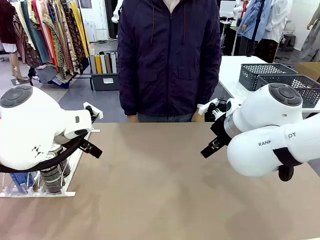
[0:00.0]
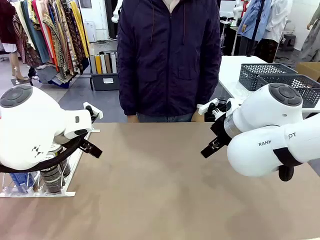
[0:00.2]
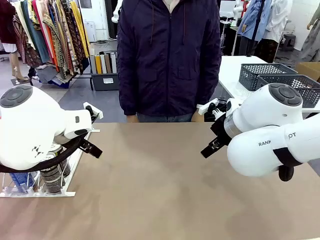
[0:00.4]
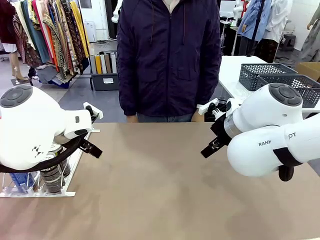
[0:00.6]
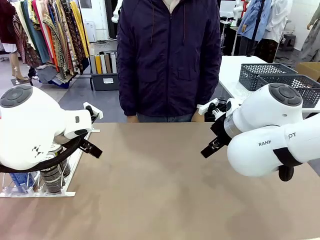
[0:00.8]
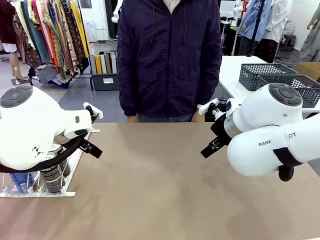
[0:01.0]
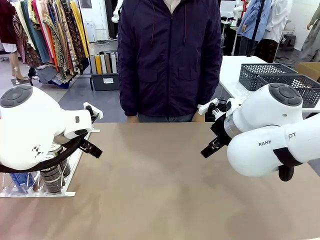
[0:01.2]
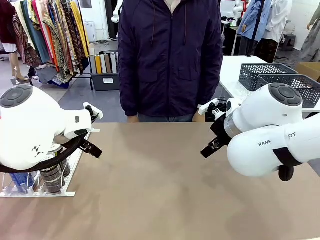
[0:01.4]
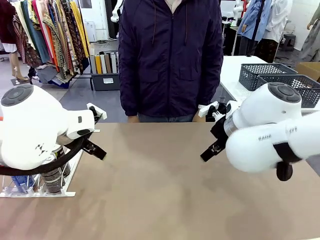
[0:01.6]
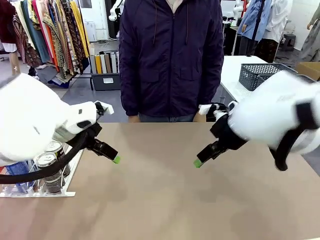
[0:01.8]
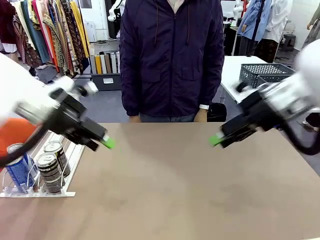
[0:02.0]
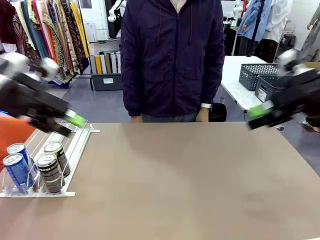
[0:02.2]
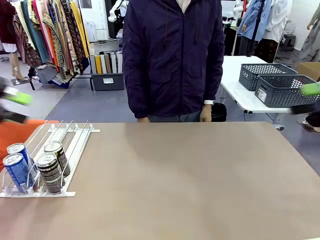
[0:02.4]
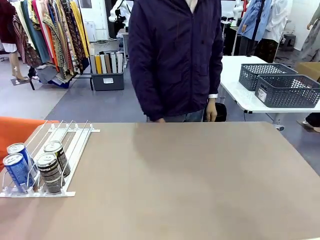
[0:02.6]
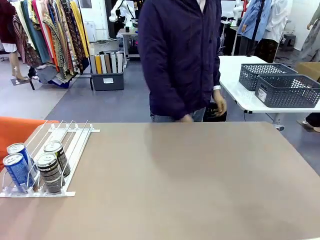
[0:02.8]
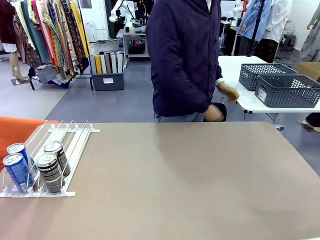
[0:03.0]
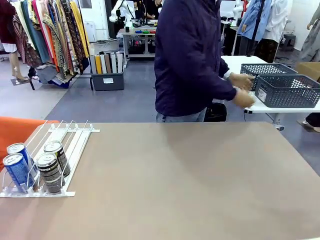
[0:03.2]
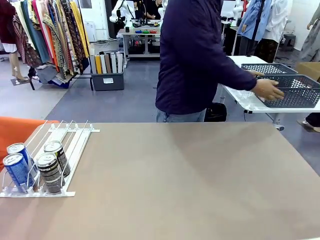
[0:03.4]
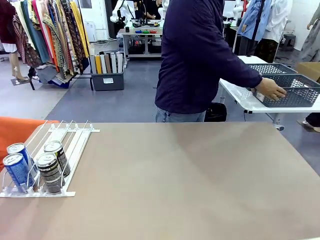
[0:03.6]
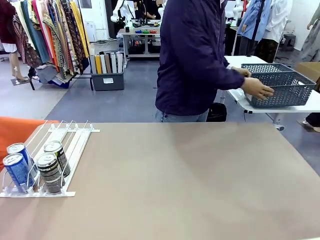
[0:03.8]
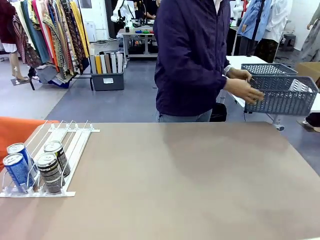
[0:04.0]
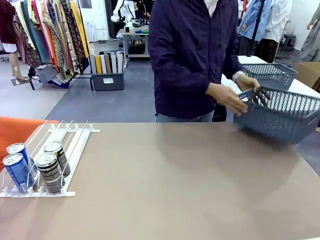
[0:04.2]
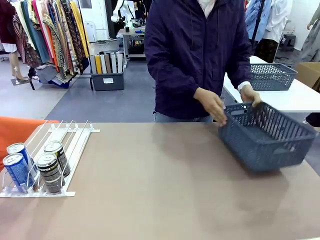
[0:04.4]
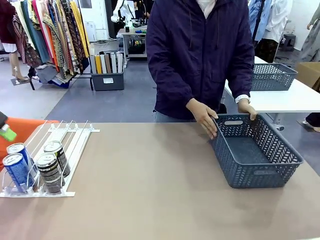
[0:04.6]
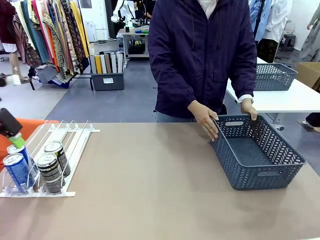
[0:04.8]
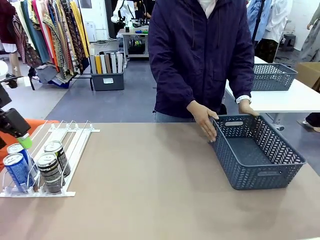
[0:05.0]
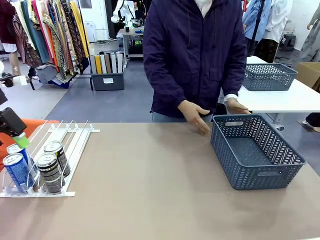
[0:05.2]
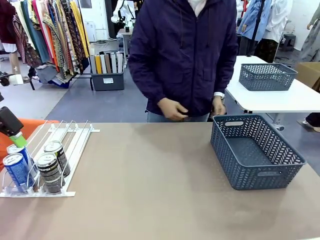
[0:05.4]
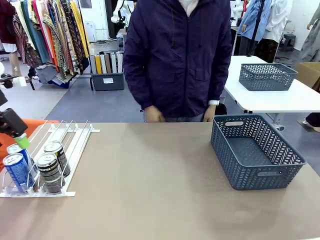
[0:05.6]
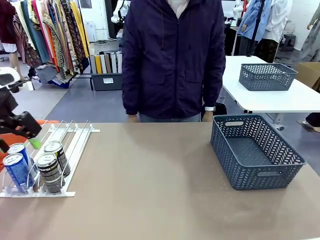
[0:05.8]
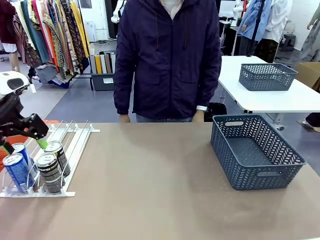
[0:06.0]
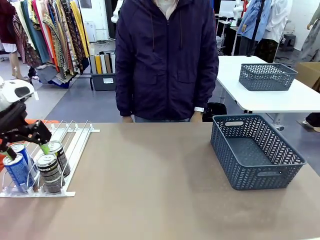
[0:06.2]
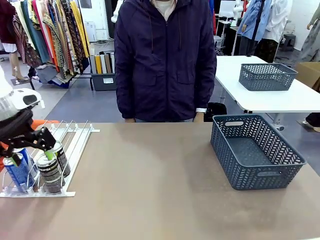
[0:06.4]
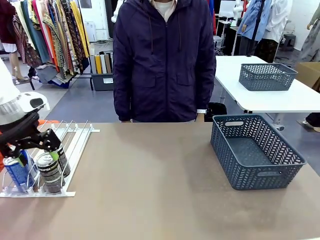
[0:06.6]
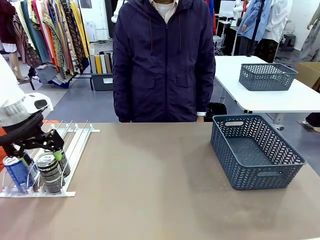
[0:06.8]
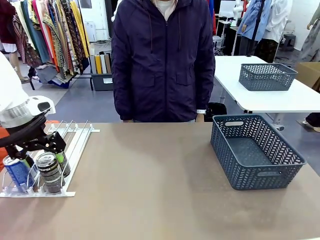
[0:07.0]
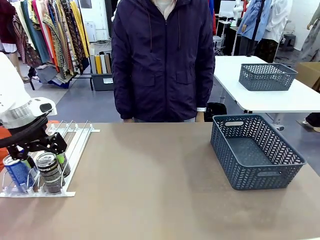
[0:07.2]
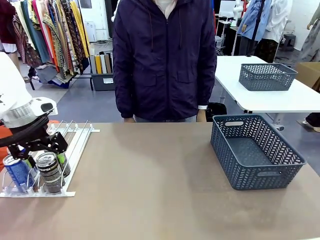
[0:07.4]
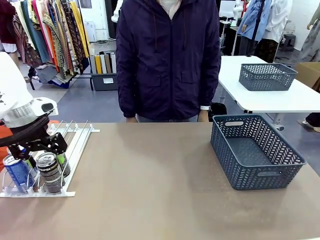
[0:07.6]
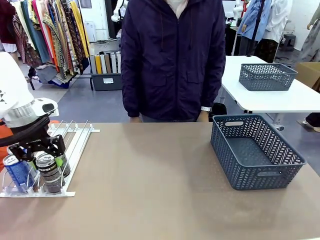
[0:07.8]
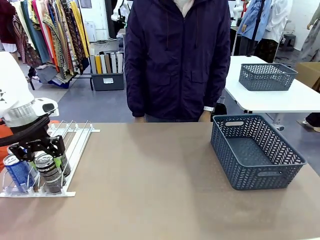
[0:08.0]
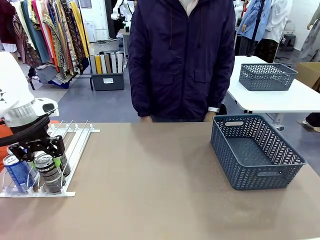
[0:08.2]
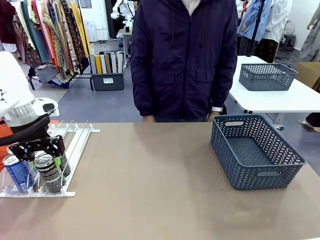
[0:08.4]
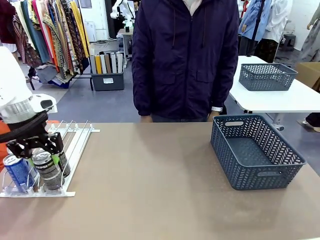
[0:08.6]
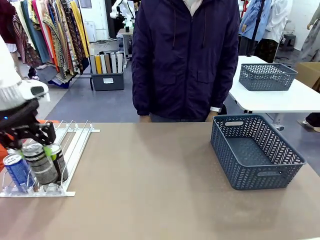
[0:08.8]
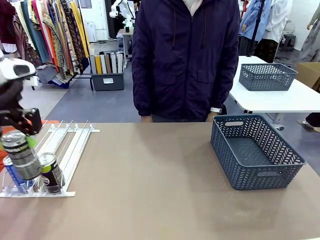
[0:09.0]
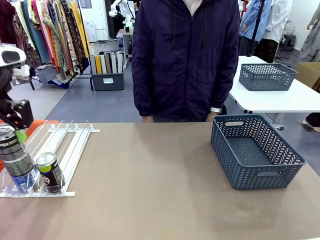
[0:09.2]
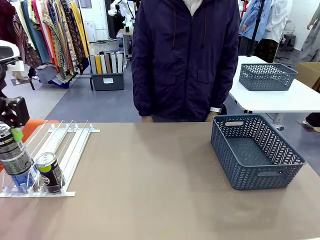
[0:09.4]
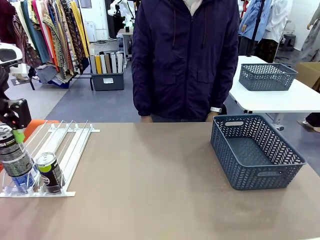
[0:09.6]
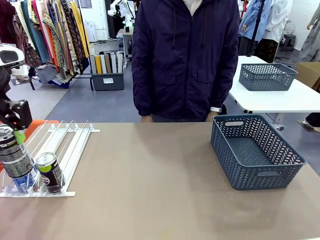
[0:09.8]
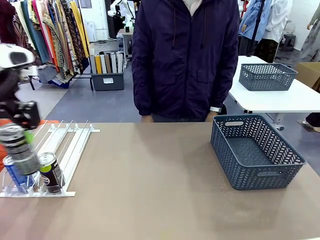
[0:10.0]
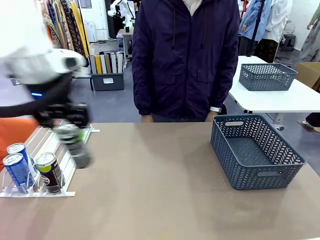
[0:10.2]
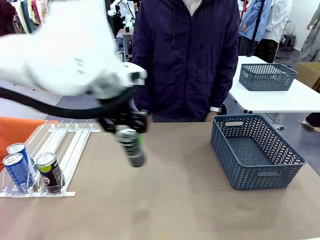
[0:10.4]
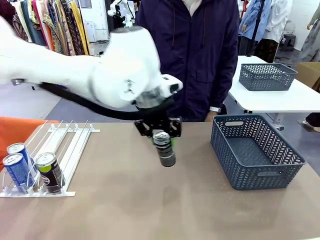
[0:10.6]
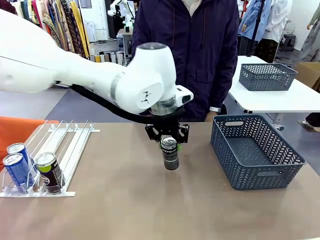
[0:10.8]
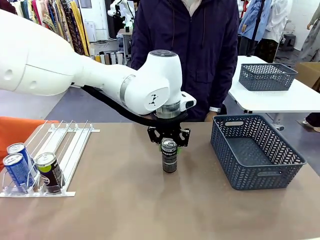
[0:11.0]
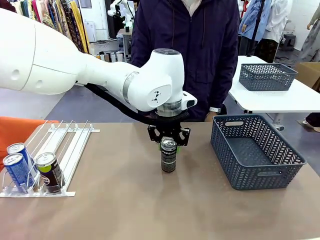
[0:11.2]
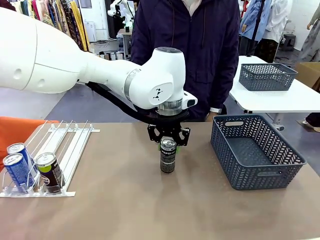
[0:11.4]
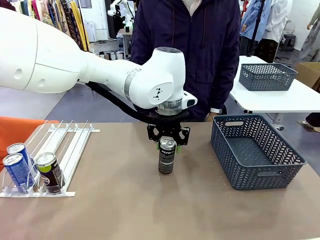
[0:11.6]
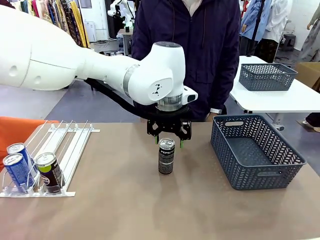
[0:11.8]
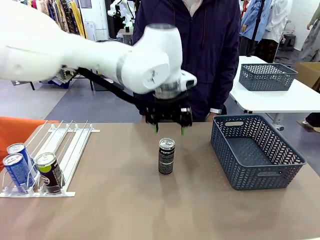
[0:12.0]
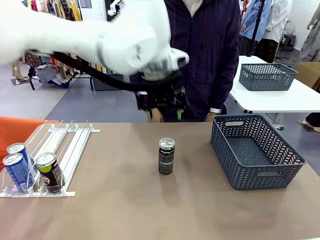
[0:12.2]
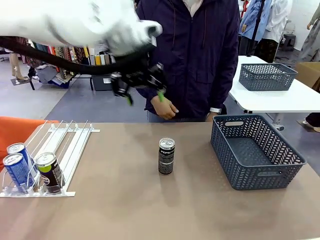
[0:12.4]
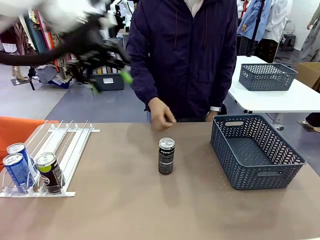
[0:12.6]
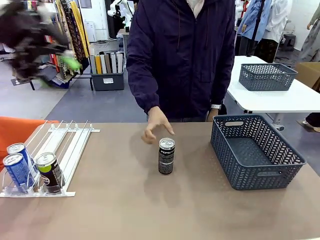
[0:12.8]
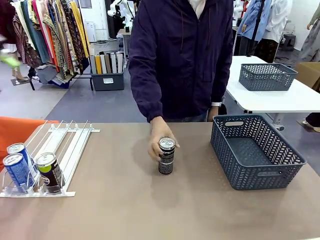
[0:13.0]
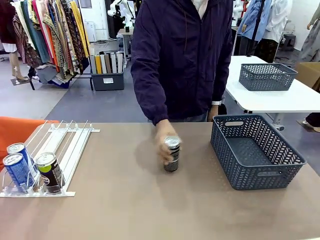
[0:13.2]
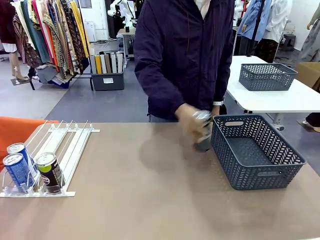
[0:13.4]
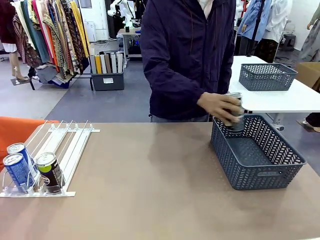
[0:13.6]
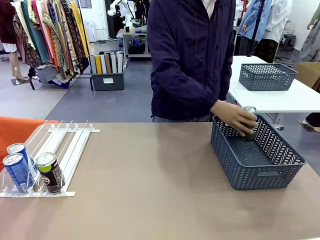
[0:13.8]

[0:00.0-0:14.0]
Task: Retrieve and store the cans from the dispenser.
Robot: Pick up one can from the Automatic Can Dispenser and place it in the middle of the table.
Person: Pick up the basket and place it on the left side of the robot table.

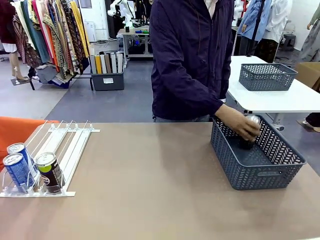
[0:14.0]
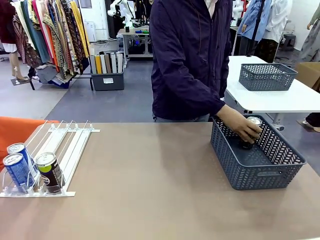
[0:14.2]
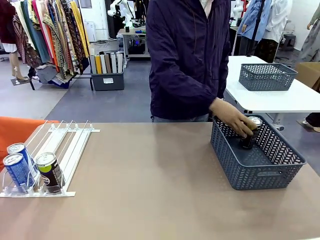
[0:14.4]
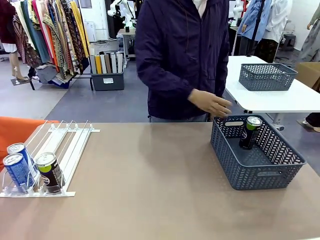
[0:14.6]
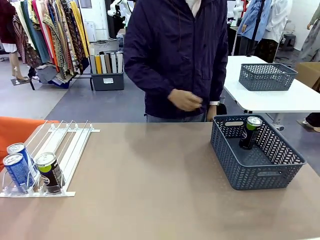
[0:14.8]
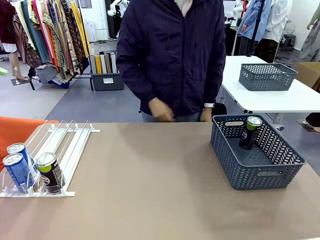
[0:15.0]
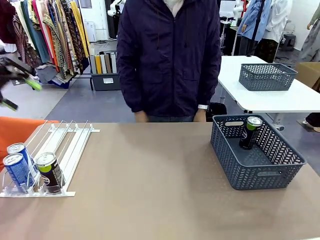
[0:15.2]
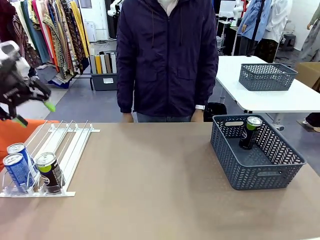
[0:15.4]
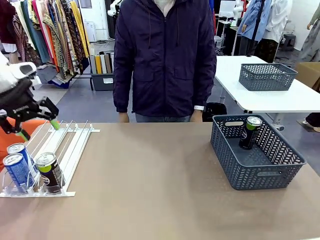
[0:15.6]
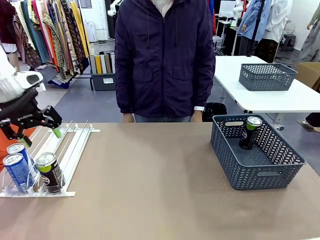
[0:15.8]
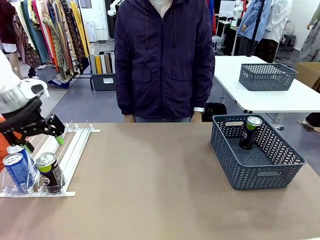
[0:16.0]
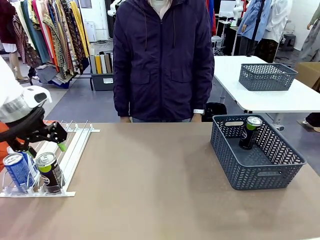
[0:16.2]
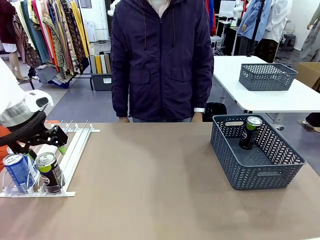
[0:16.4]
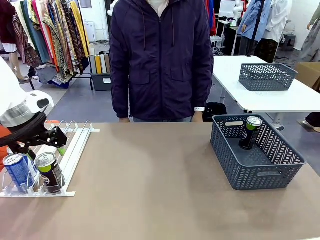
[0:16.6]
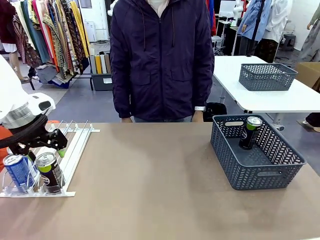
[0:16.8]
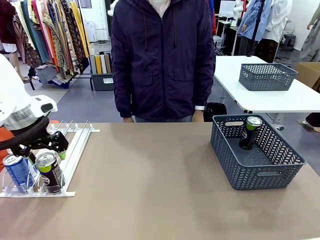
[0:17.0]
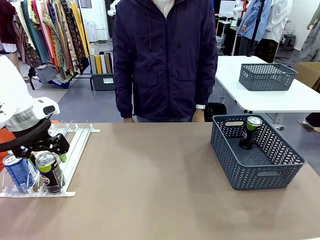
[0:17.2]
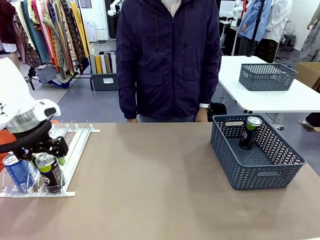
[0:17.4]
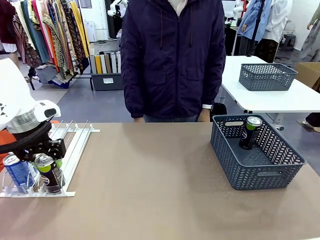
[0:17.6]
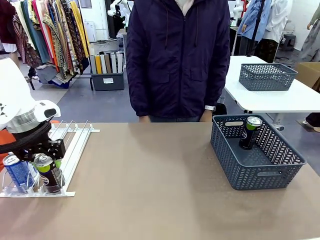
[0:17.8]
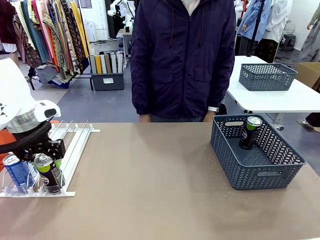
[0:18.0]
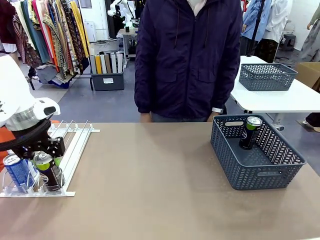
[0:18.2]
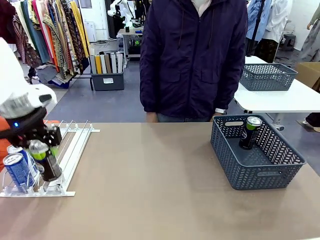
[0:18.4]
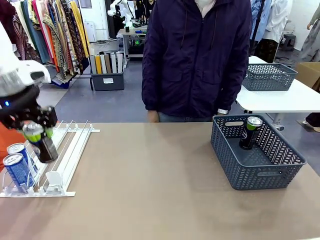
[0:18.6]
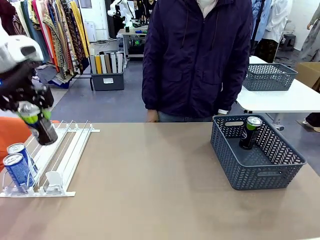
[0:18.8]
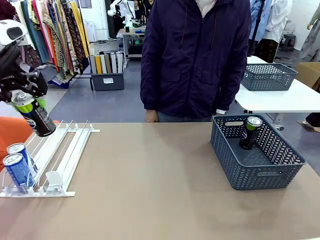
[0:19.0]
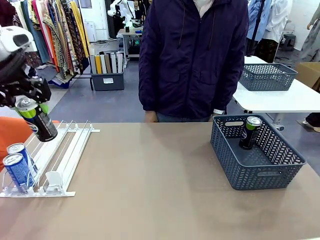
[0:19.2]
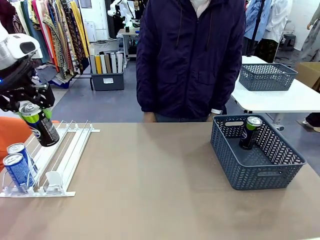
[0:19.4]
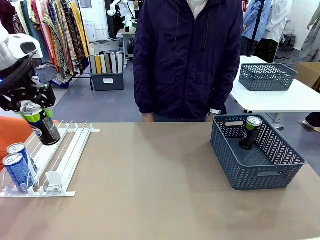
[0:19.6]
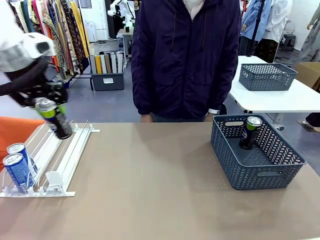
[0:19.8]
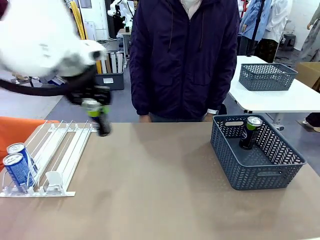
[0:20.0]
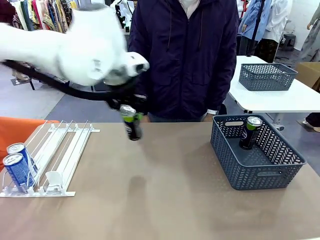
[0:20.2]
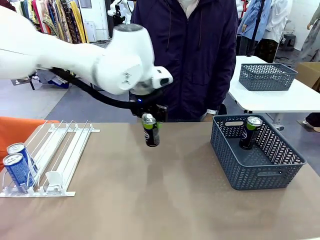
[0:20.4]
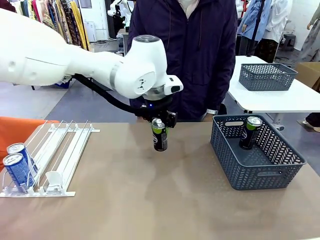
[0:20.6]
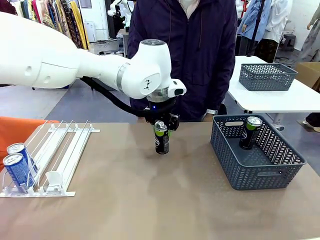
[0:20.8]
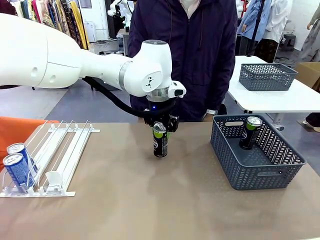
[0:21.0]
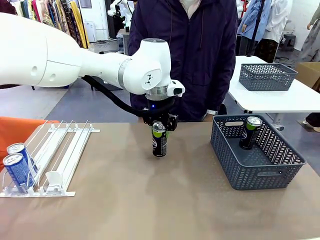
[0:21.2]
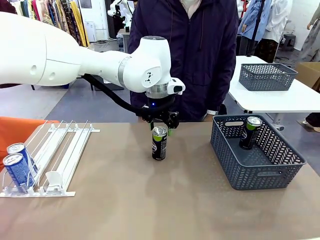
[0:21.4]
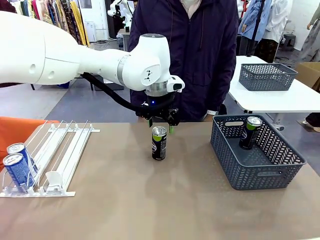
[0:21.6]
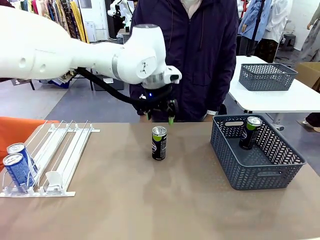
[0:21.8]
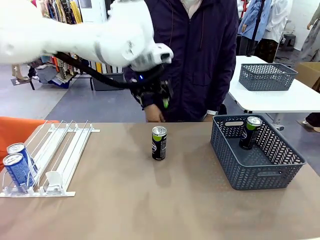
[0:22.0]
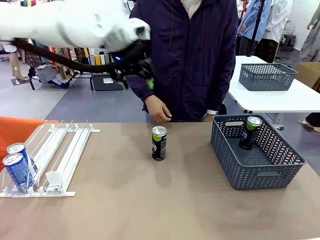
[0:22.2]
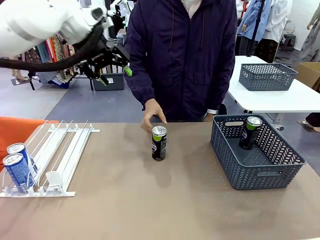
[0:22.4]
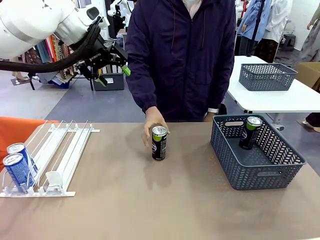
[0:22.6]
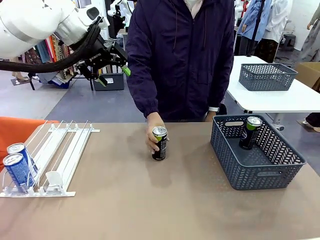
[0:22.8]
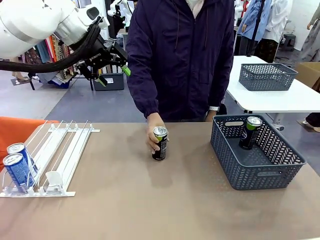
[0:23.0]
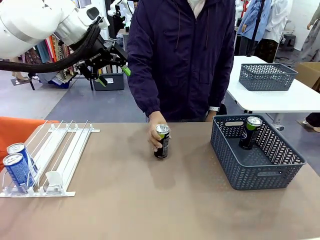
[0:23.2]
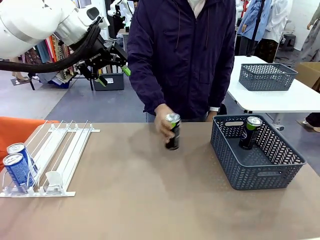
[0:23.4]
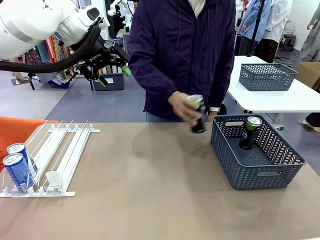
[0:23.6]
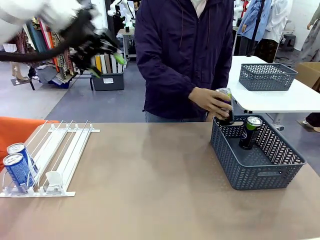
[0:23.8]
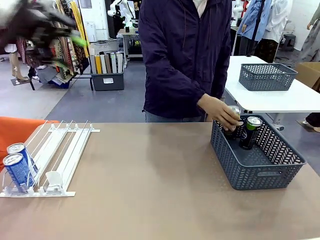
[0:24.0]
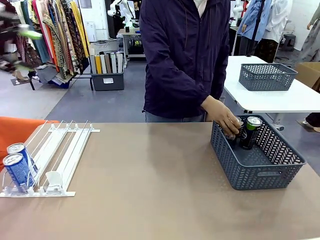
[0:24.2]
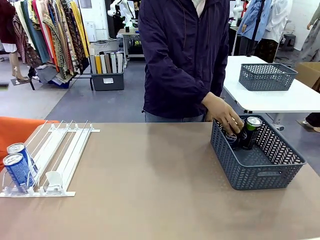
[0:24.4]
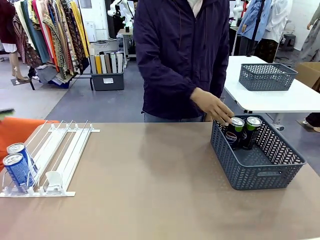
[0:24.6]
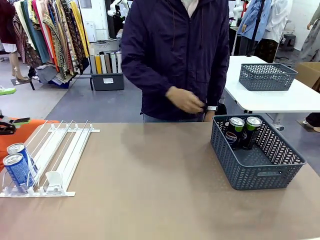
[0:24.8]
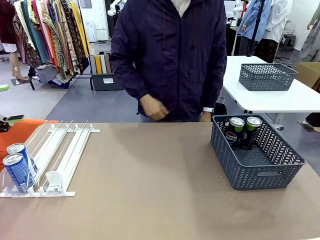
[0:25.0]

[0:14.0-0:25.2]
Robot: Pick up the last remaining can from one row of the Automatic Can Dispenser and place it in the middle of the table.
Person: Pick up one Pepsi can from the middle of the robot table and place it in the basket.
